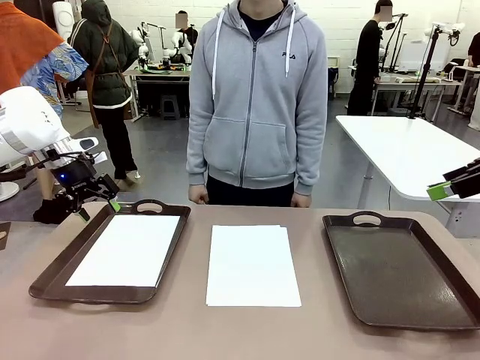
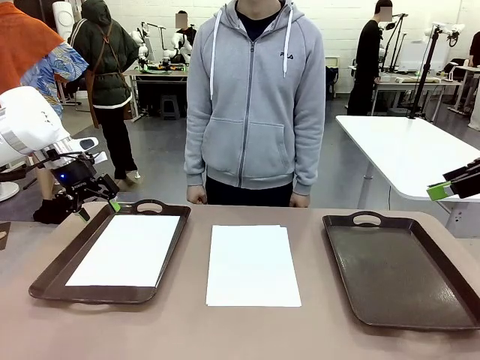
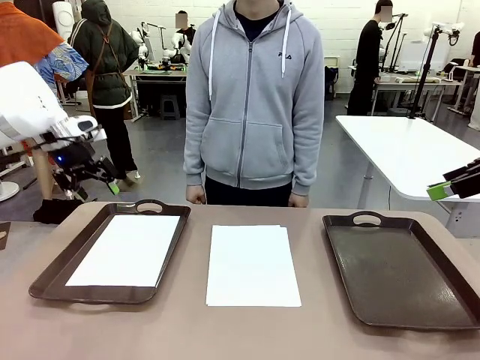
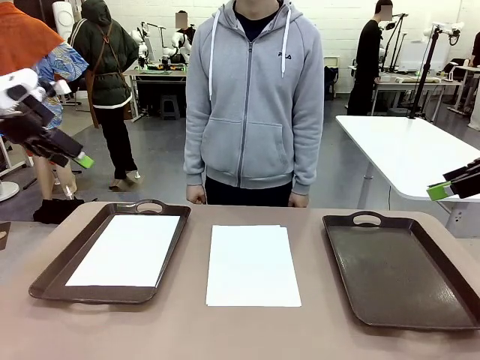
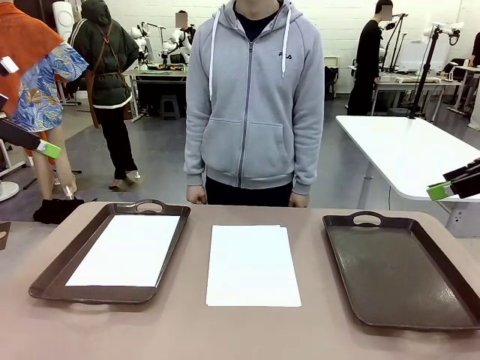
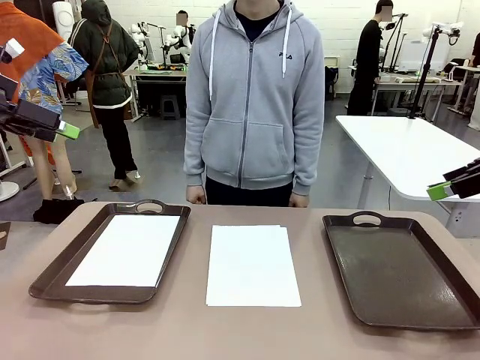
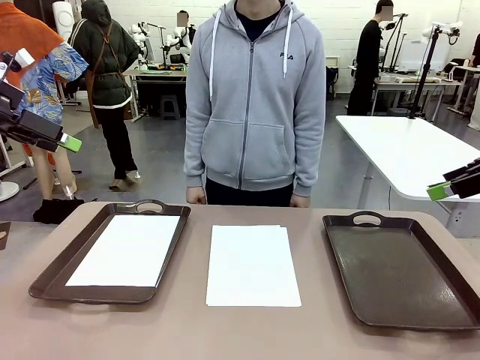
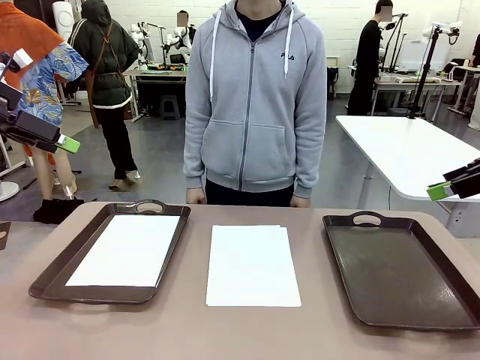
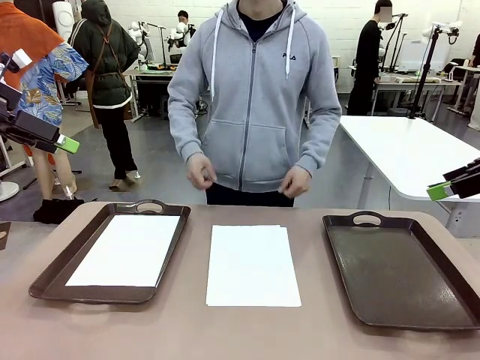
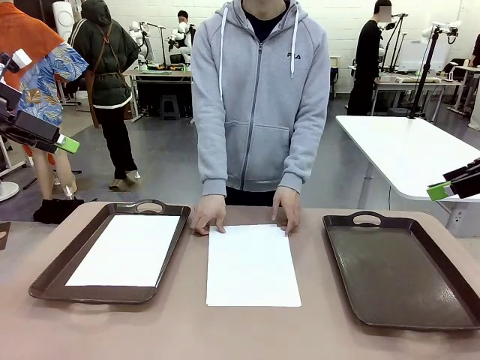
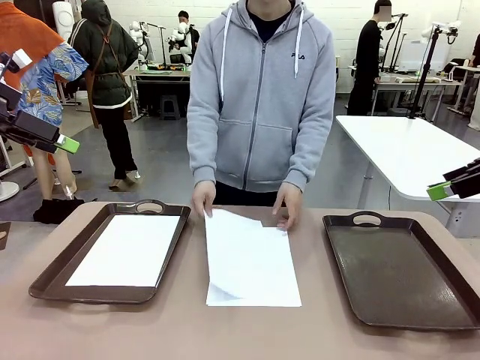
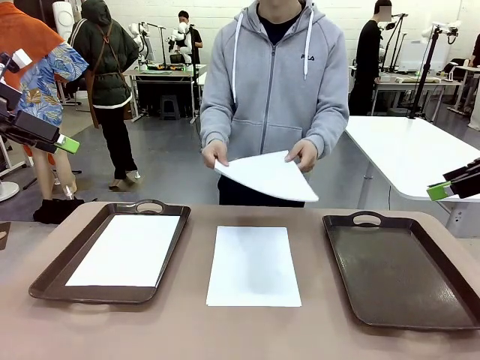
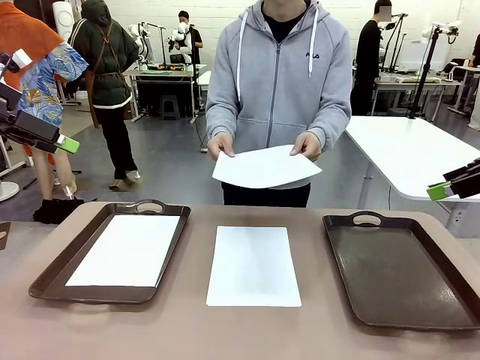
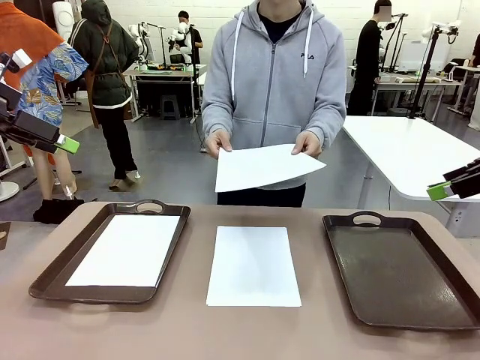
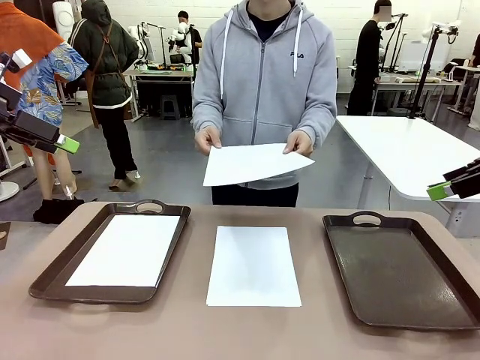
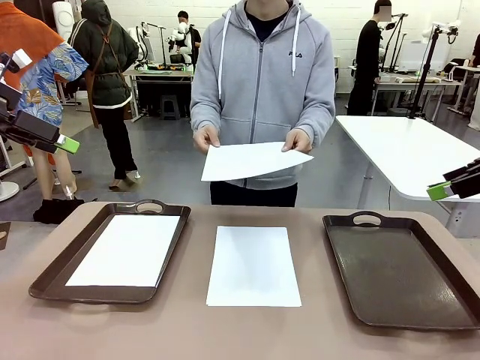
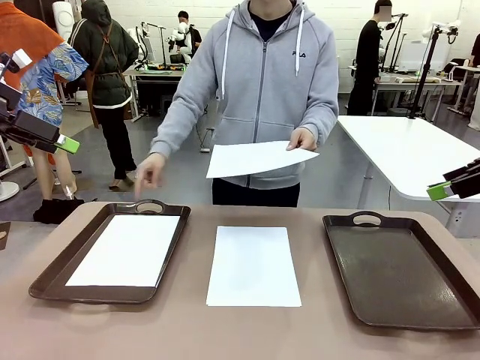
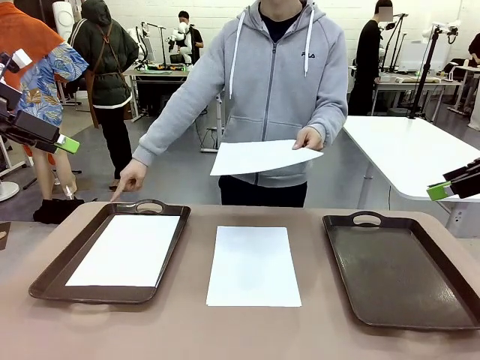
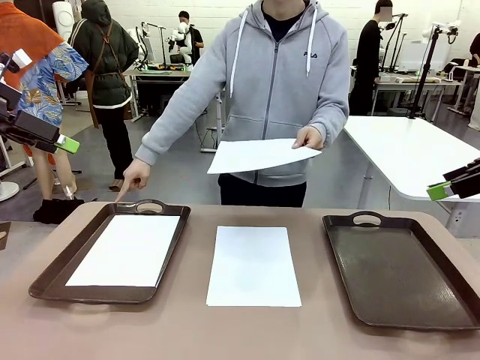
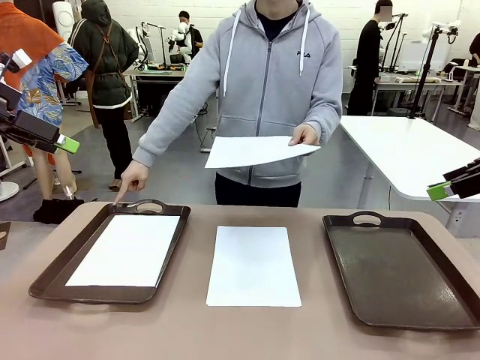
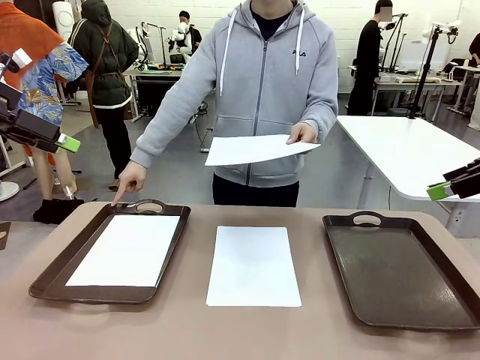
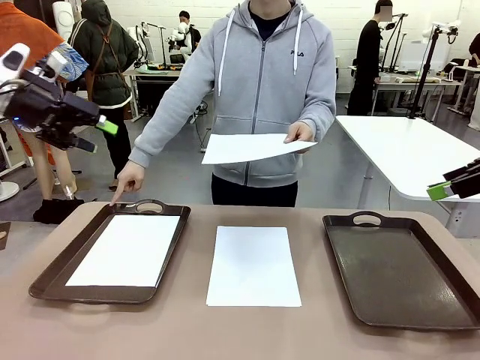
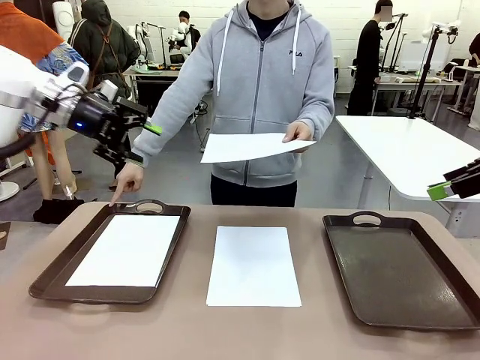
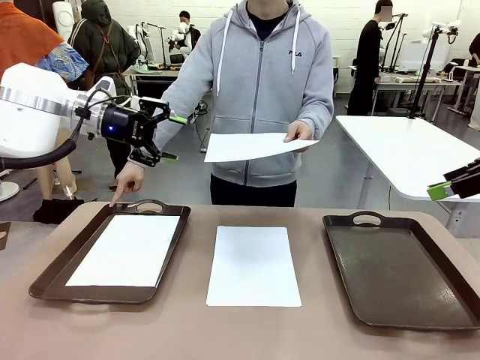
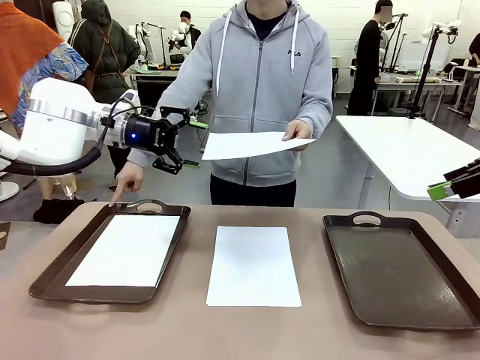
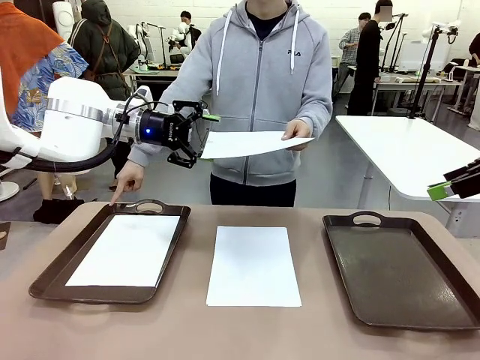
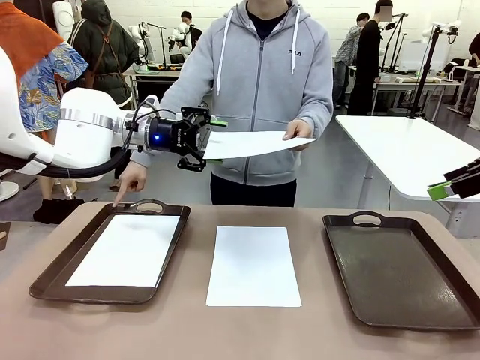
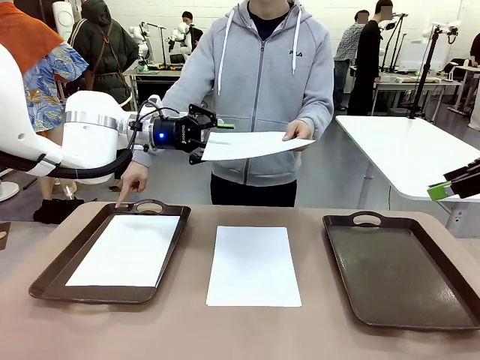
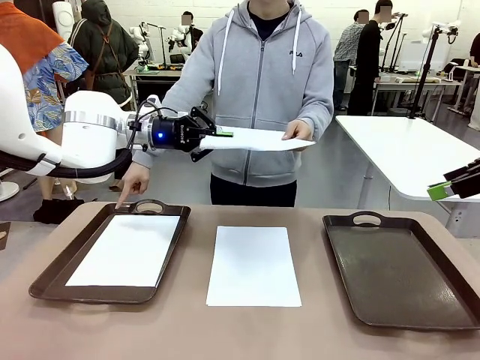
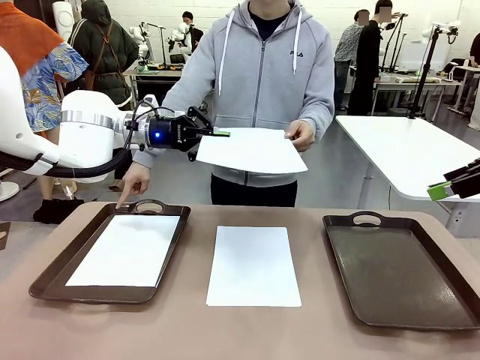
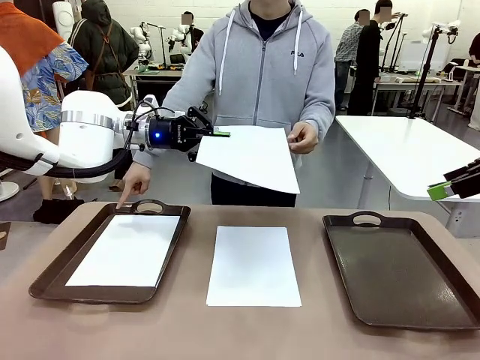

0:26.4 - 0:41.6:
Task: Sort the A4 documents.
Robot: Receive the A4 Paper.
Person: Point the randomly selected tray with the other hand.

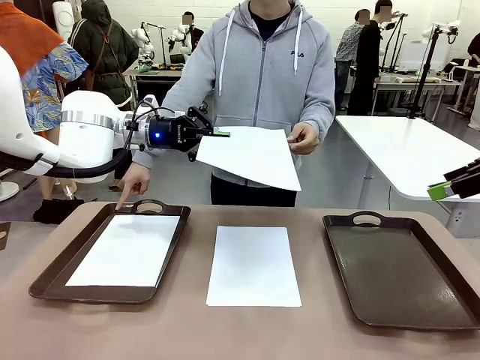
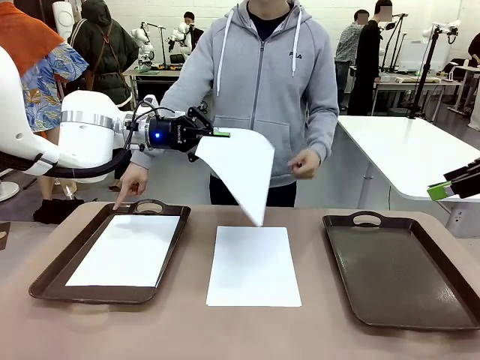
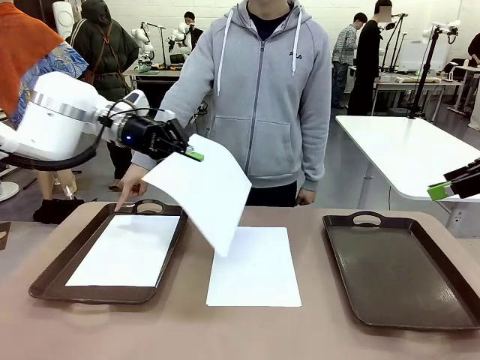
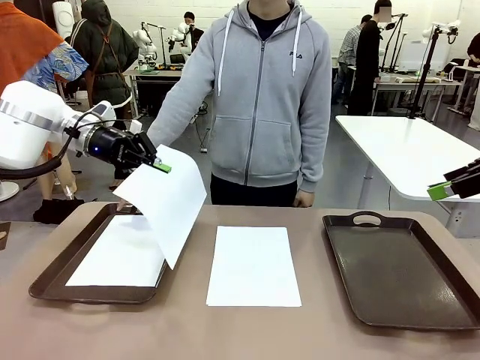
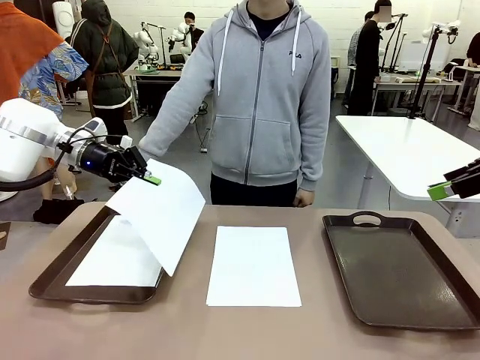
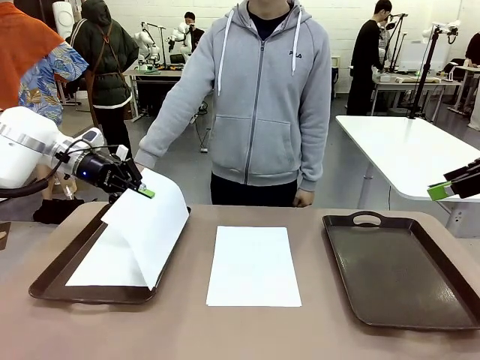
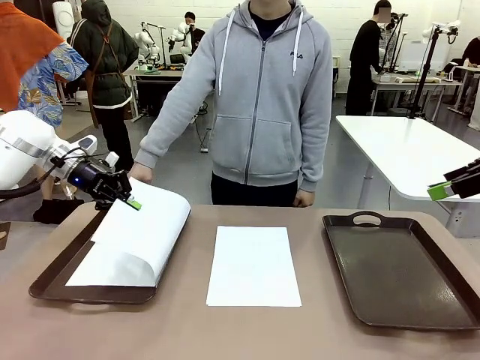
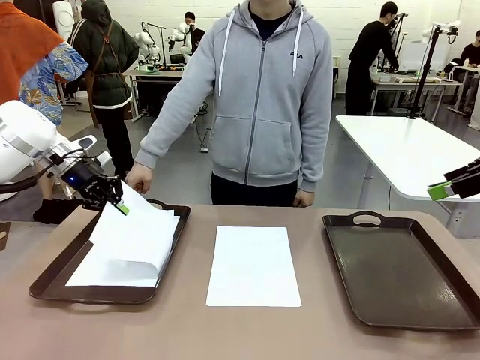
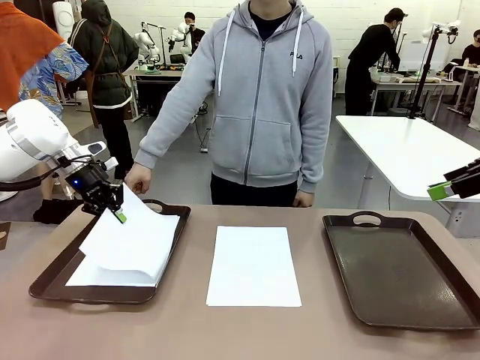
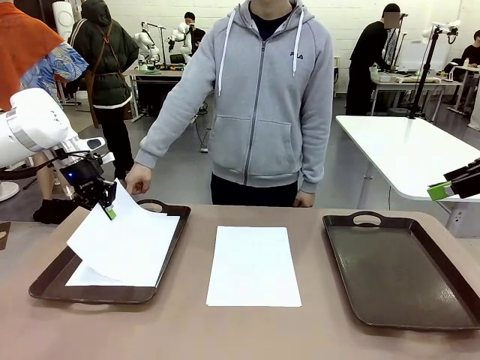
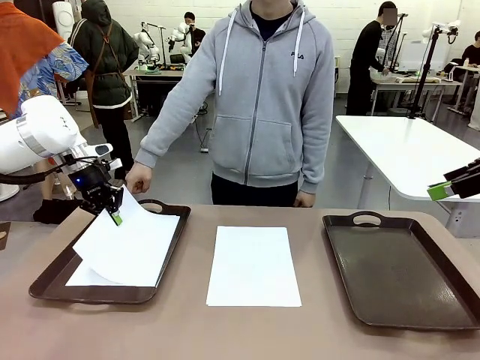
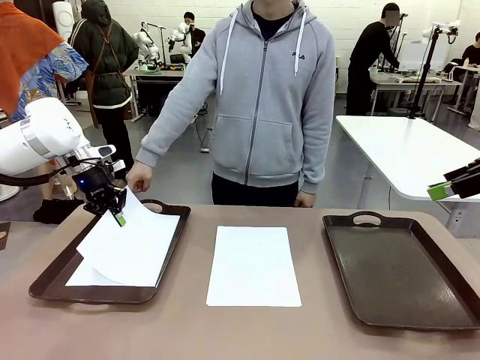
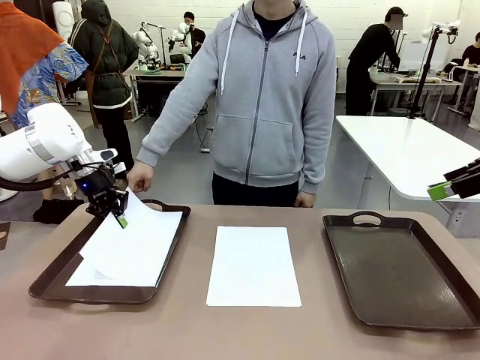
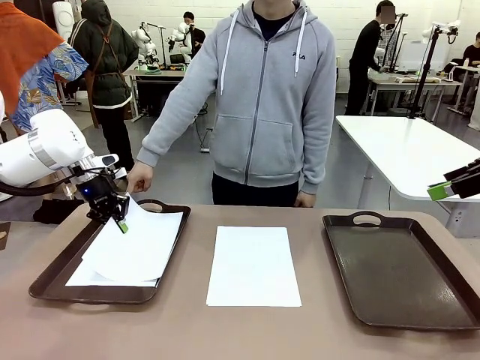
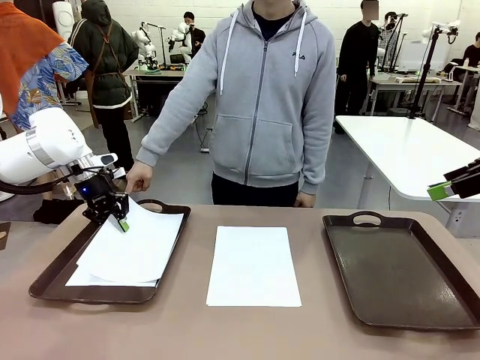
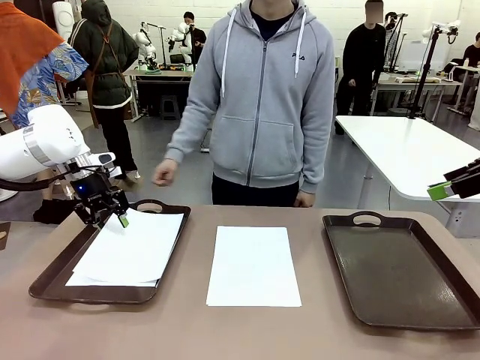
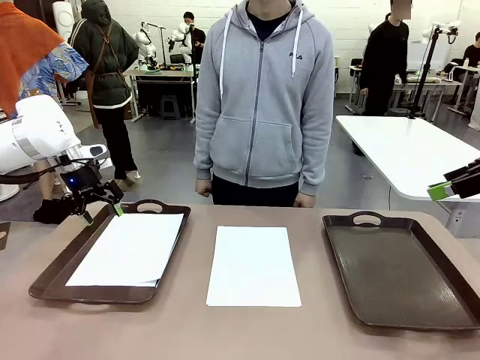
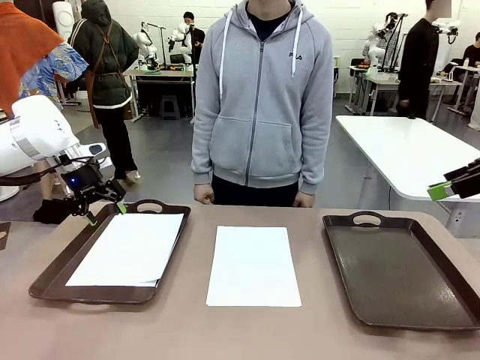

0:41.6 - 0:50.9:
Robot: Place the A4 Paper in the designated Handle tray.
